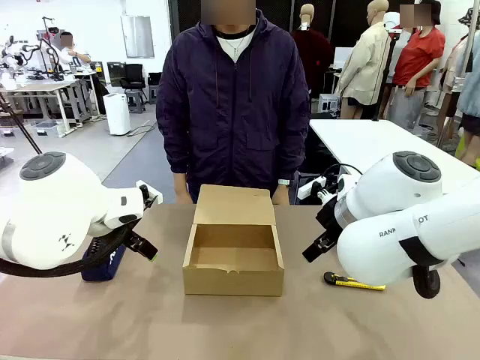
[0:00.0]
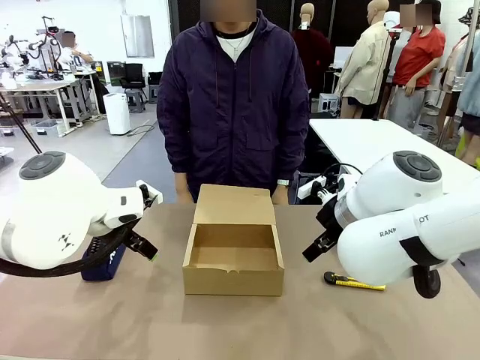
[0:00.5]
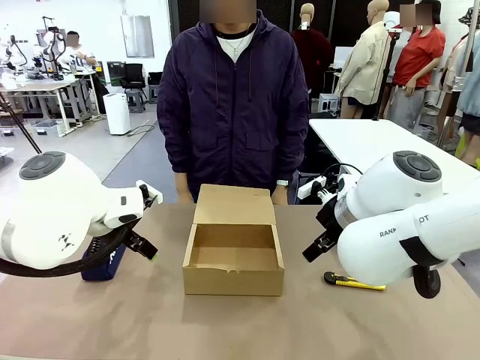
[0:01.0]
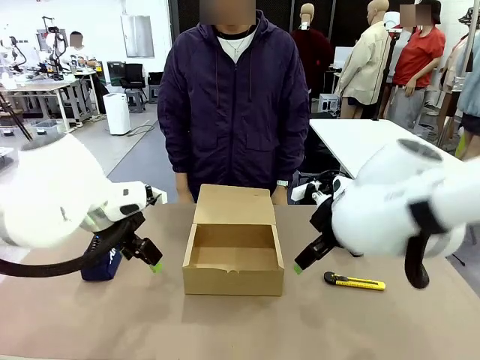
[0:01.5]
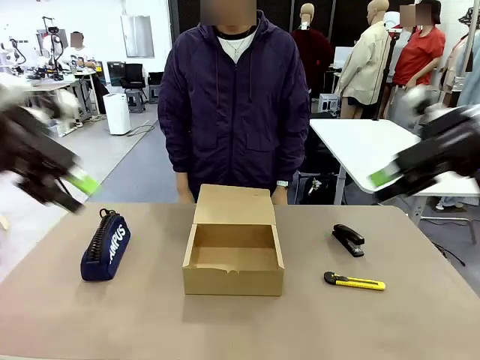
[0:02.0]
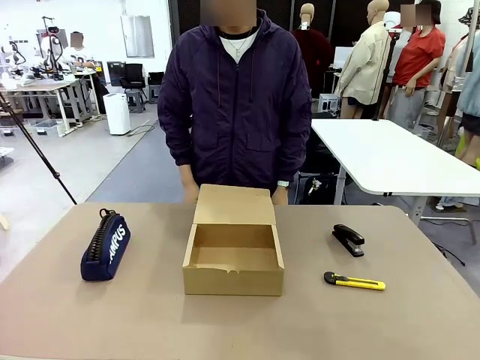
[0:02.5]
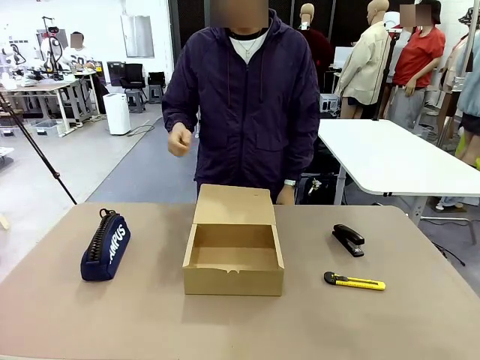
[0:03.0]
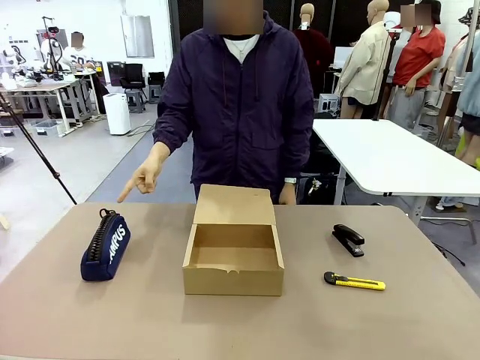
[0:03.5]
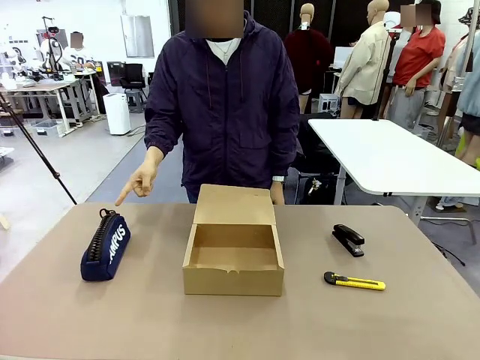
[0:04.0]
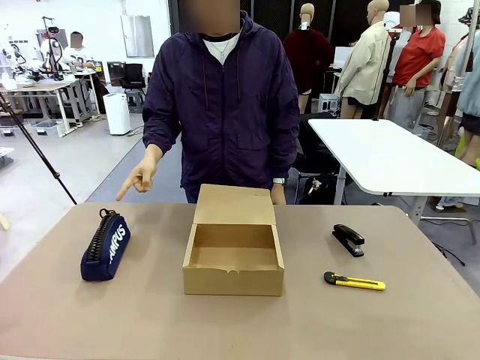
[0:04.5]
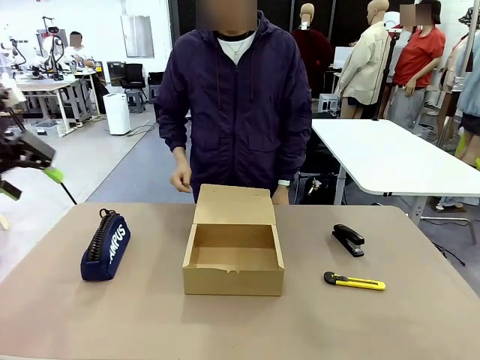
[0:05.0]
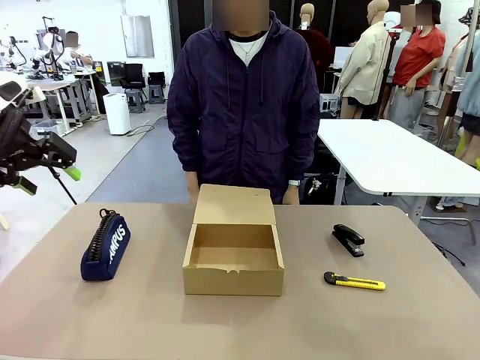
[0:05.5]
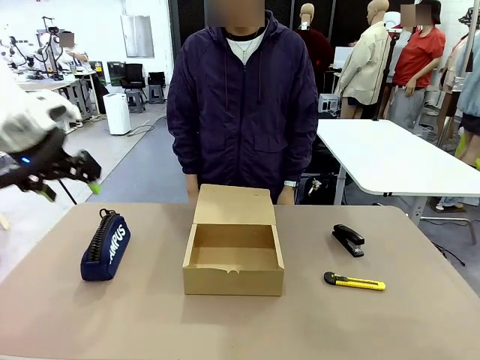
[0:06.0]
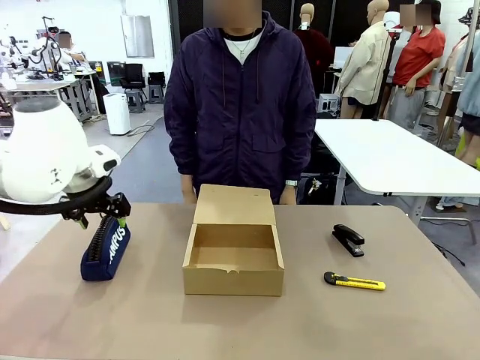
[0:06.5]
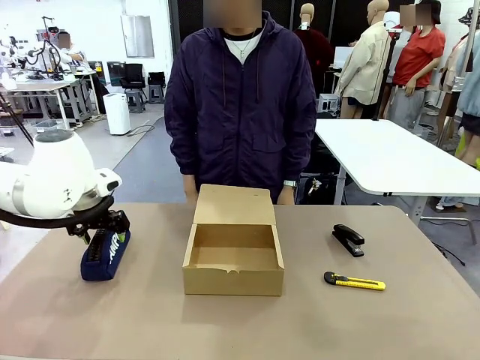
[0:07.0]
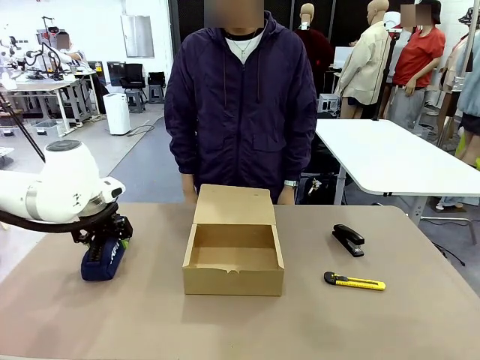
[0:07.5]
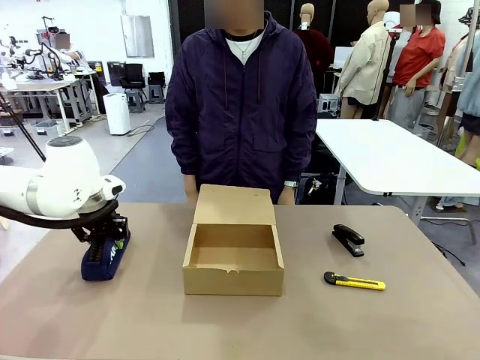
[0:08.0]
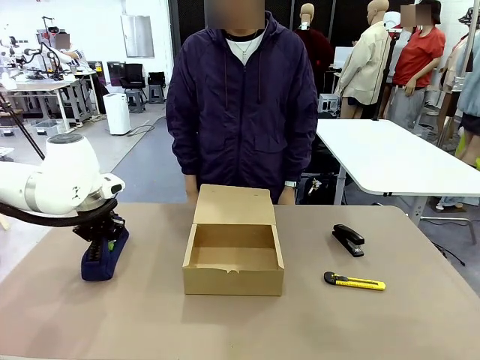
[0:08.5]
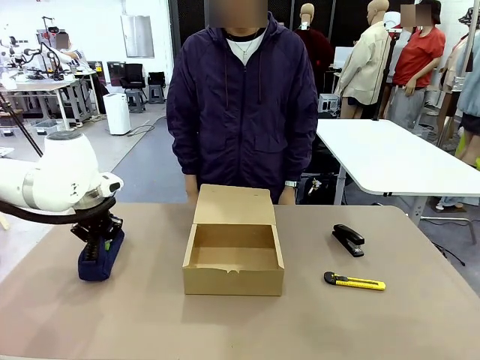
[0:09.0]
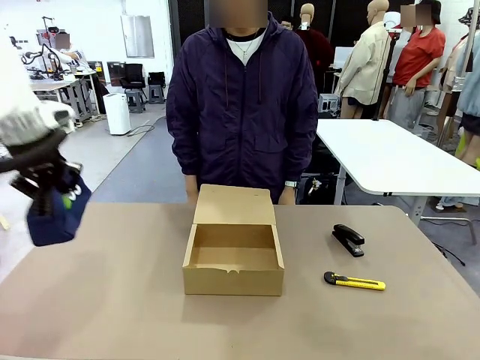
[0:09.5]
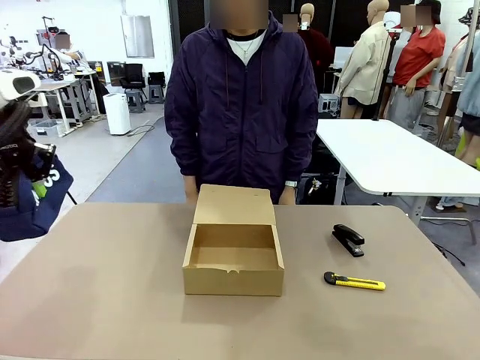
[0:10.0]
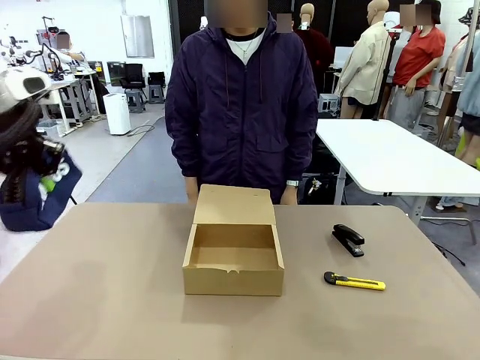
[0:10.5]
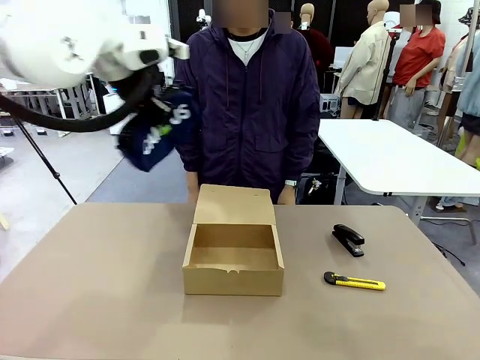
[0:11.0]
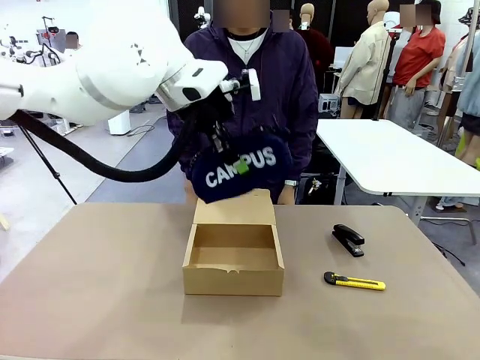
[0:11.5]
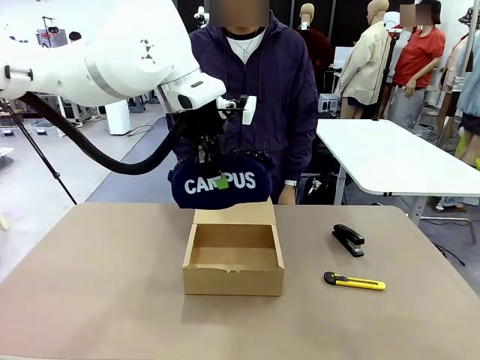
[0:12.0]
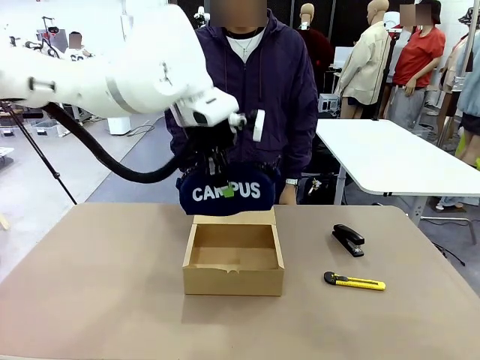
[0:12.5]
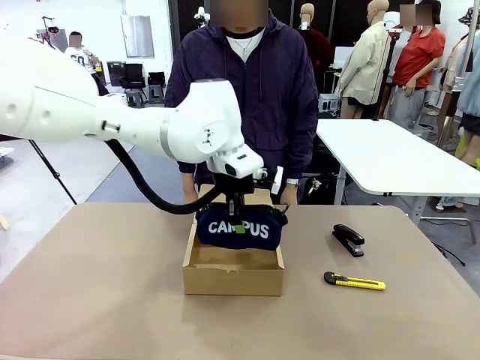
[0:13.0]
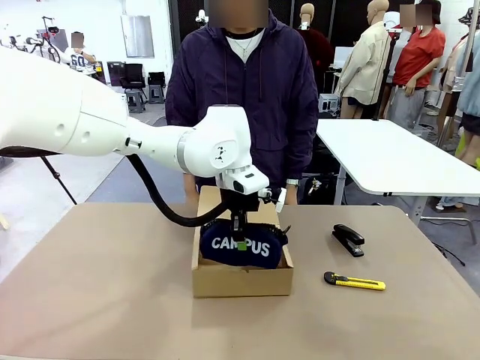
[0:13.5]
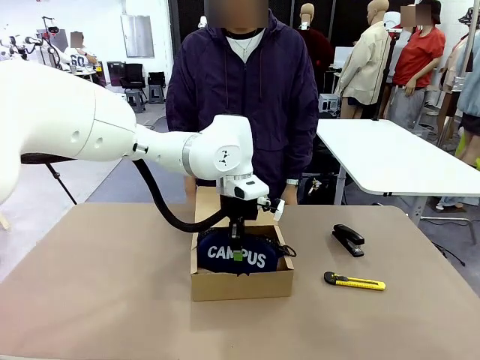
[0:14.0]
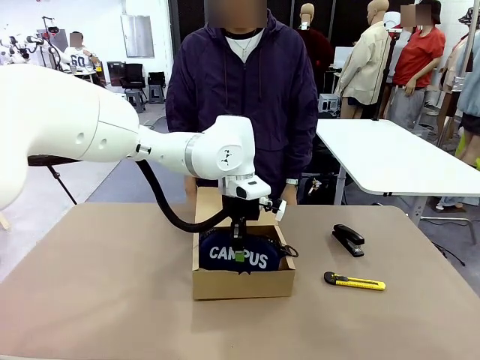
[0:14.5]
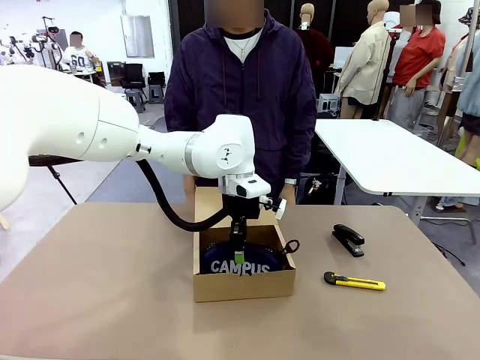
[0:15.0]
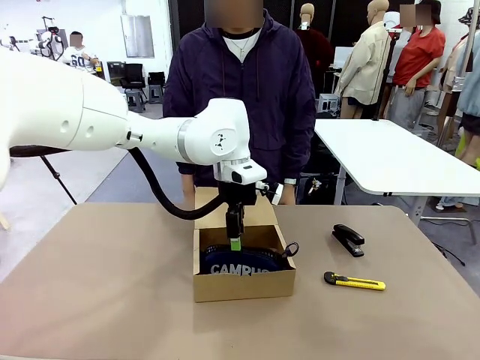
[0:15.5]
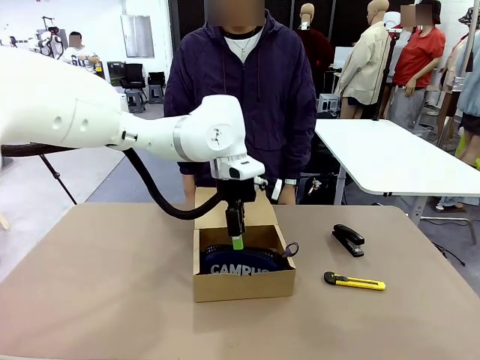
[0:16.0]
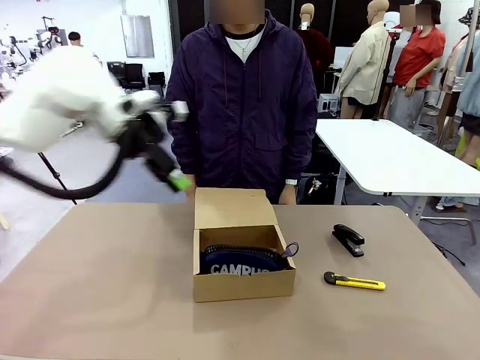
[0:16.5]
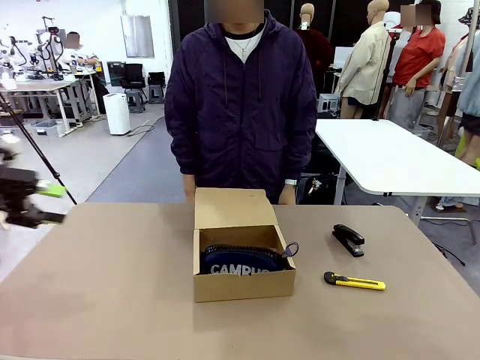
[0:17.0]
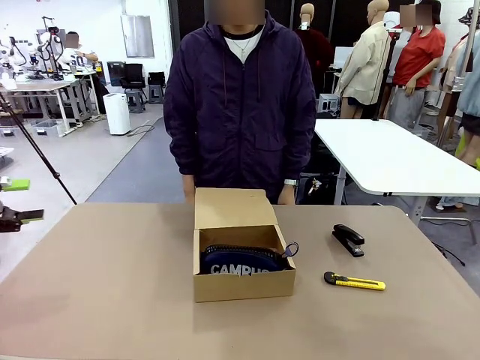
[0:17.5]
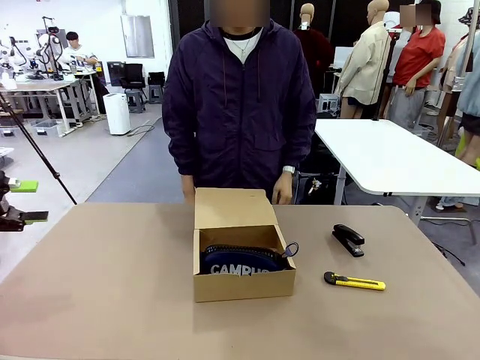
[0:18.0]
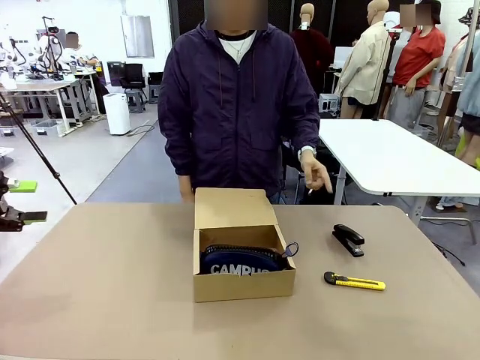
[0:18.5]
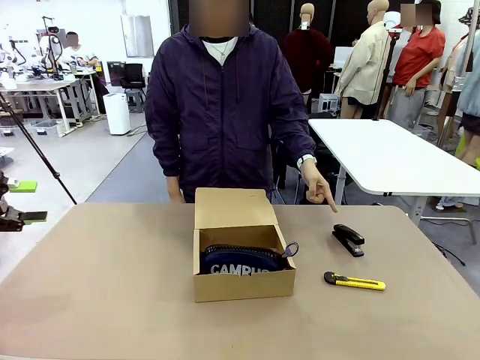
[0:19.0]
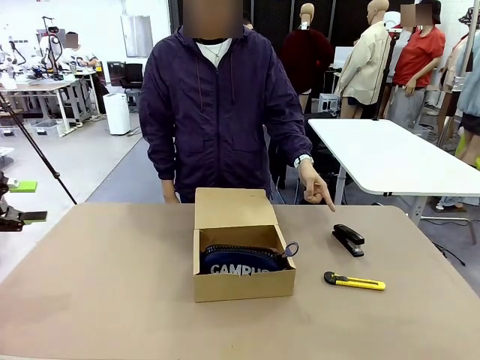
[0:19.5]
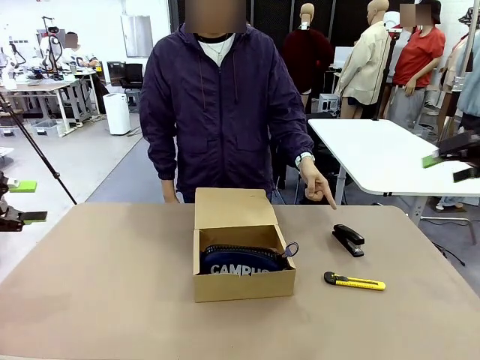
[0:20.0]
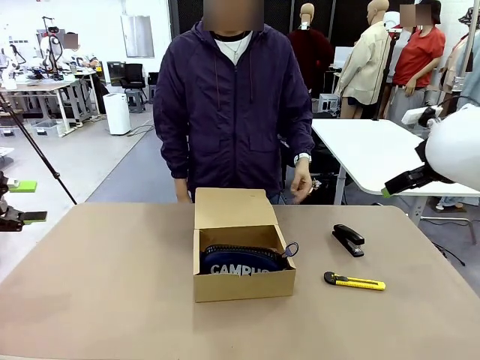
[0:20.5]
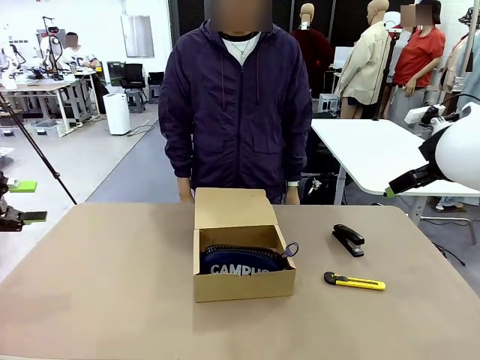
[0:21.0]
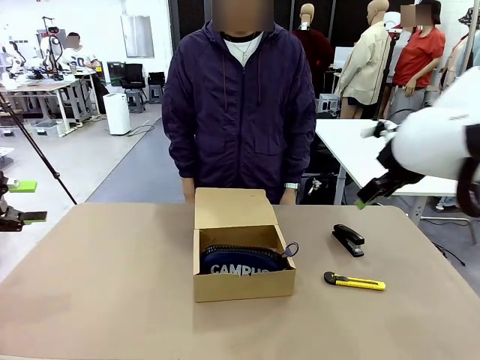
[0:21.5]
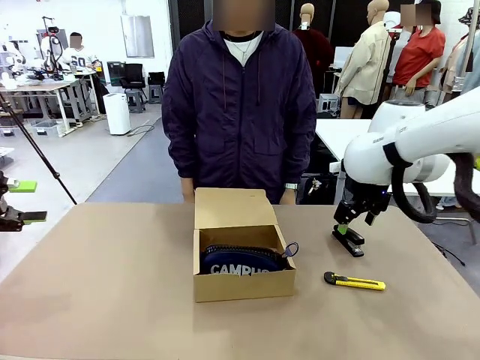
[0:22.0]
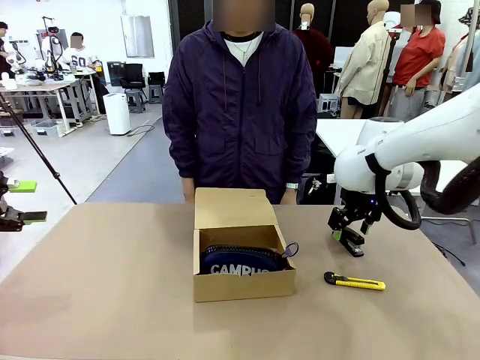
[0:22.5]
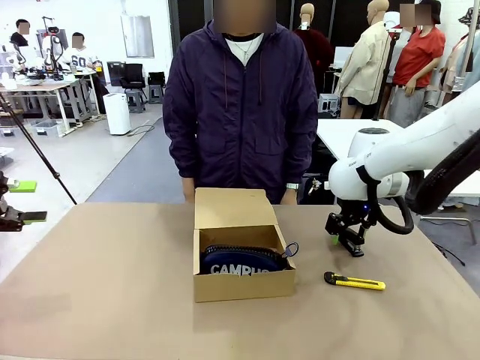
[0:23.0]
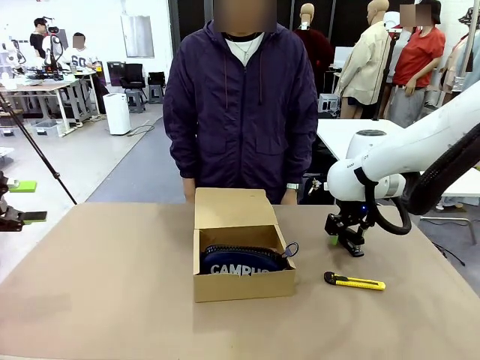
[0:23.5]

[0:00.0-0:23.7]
Task: Pack the items into the box.
Robot: Pick up the item indicated by the person and place it inside the Mailer Box.
Person: Point at one item on the table (excluding the box).
